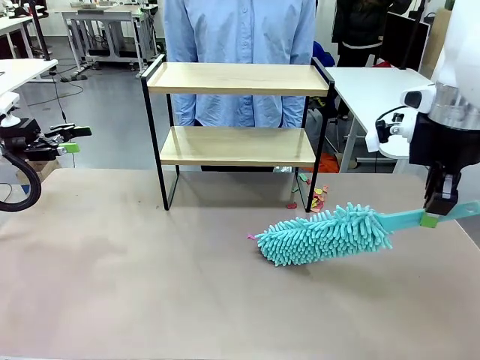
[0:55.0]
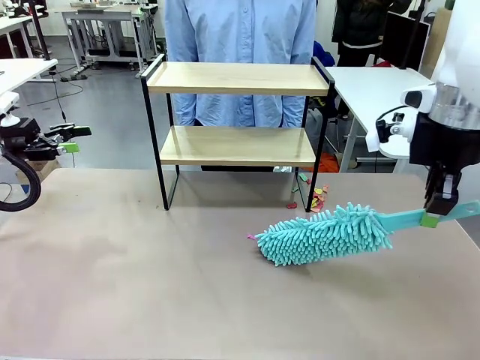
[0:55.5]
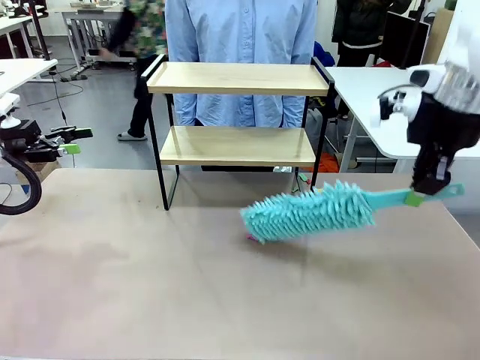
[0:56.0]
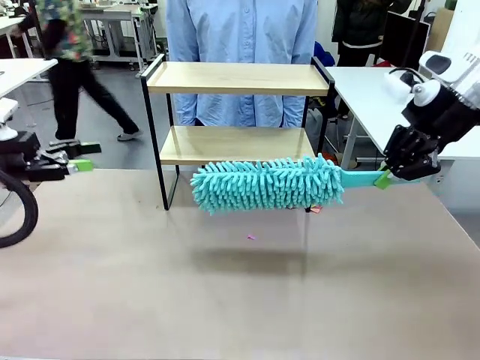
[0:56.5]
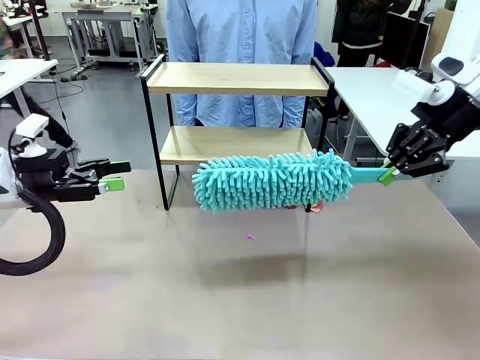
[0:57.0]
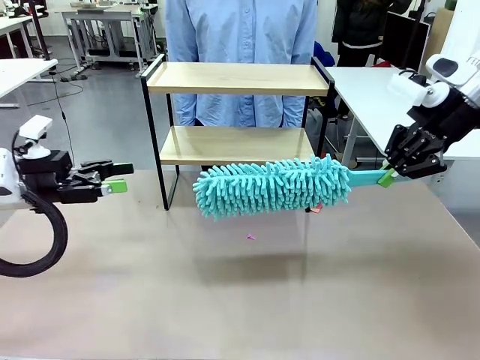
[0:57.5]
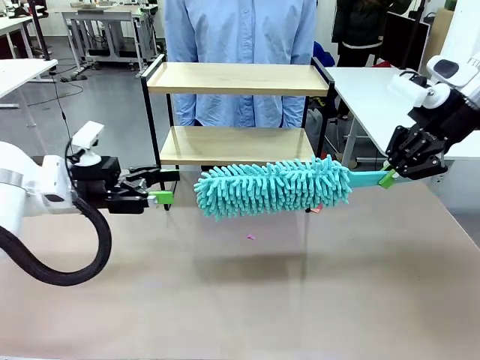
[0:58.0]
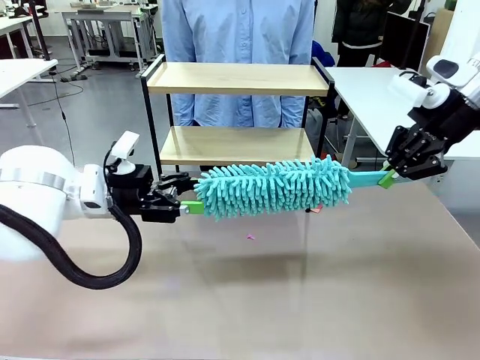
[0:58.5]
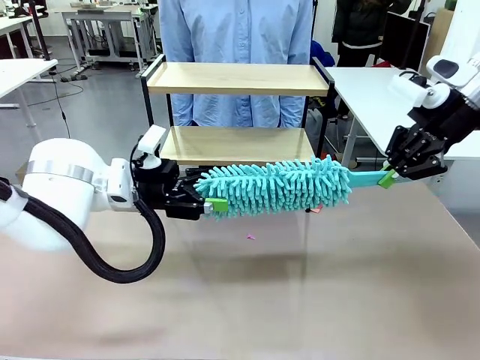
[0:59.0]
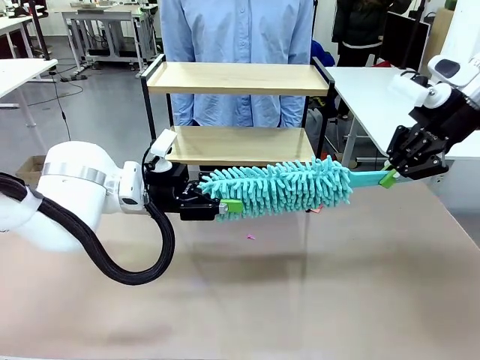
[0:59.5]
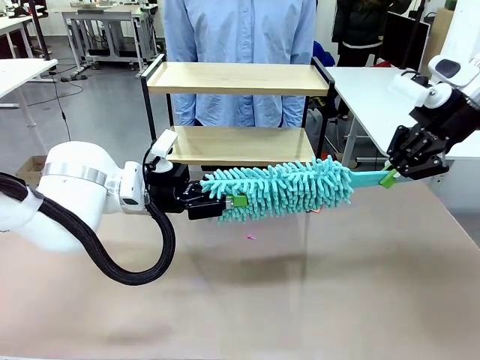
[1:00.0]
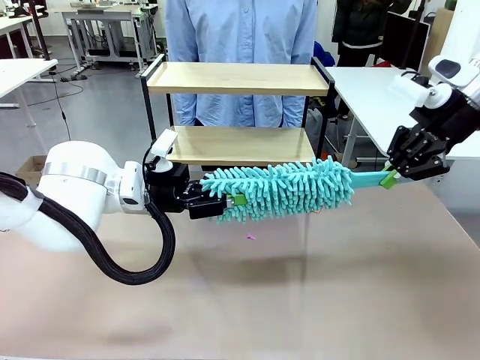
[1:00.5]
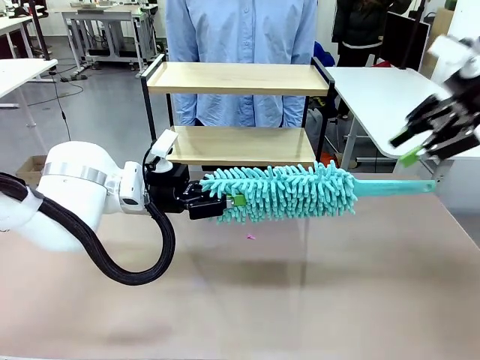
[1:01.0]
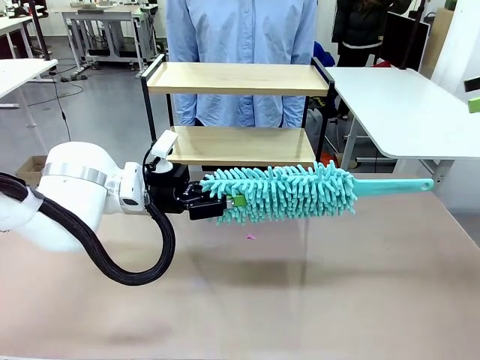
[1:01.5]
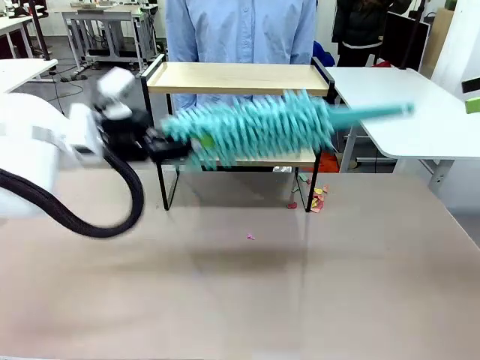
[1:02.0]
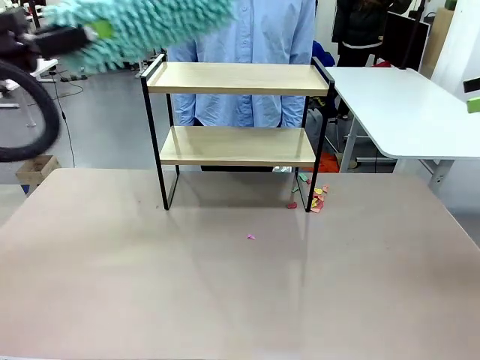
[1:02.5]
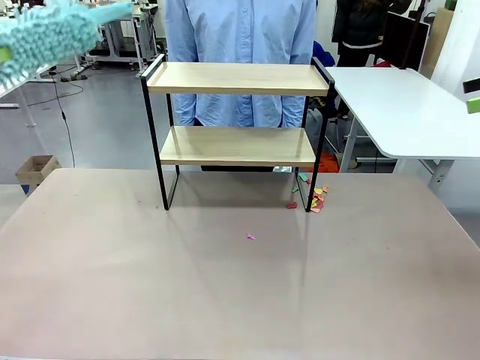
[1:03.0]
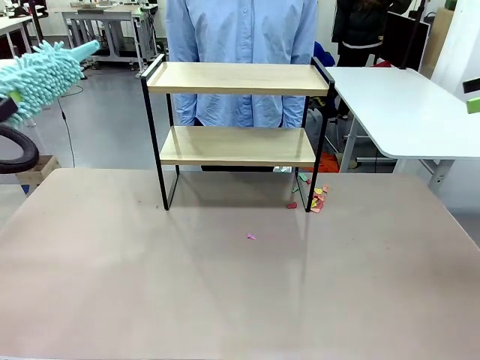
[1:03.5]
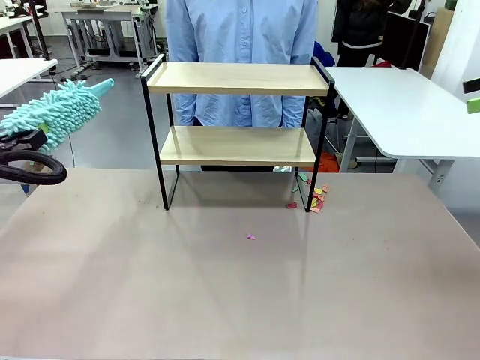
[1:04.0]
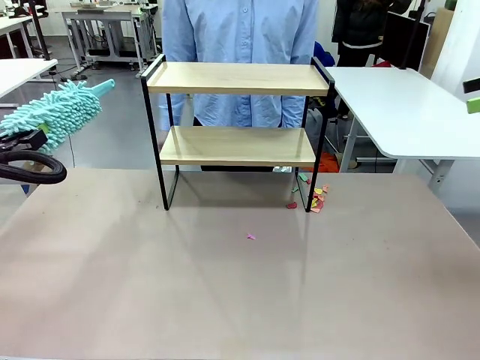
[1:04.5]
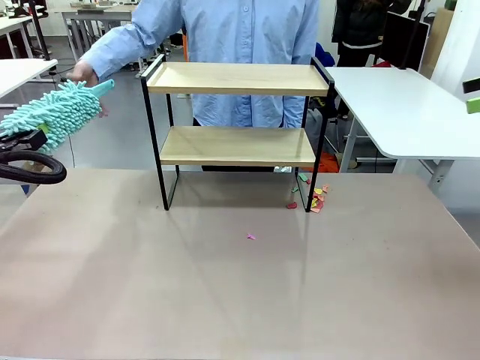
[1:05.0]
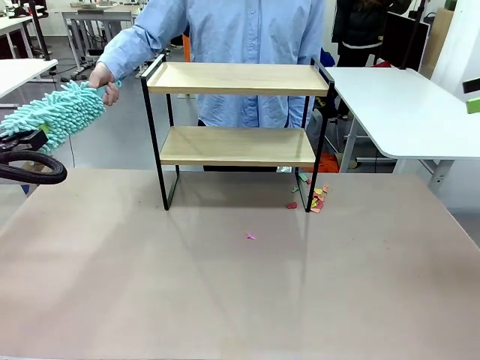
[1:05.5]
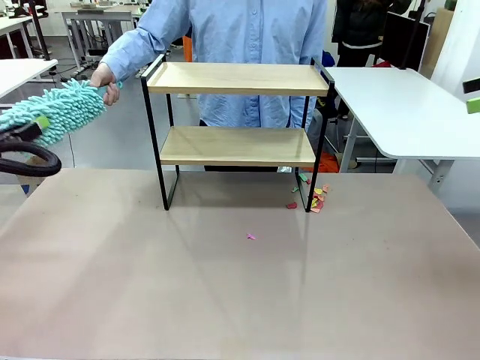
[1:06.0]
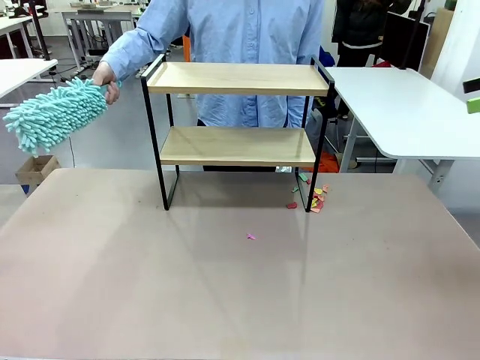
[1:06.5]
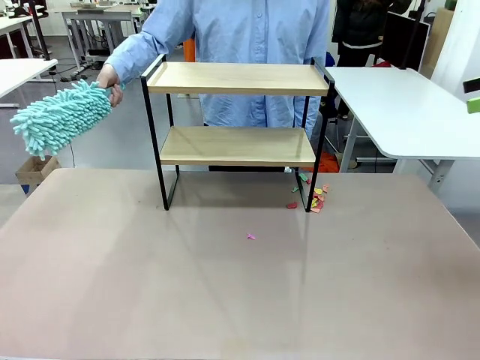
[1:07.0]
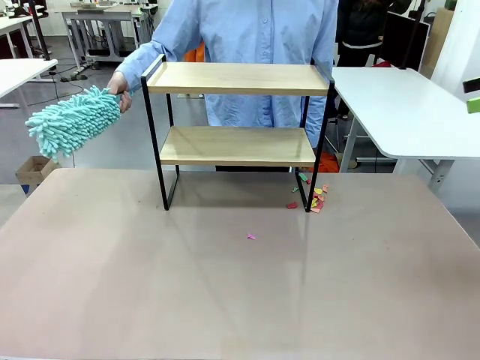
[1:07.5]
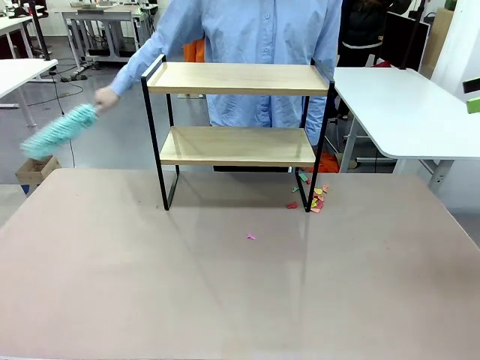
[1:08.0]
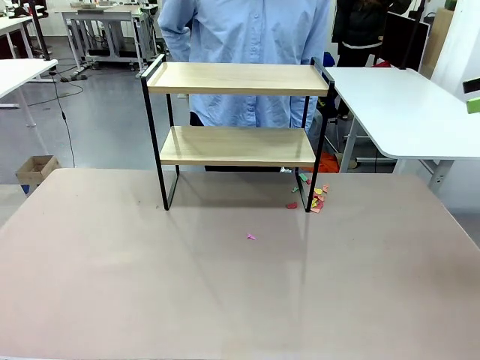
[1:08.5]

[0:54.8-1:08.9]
Task: Clean the shelf.
Robot: Hand the Duster back to the human.
Person: Receive the Duster from the robot.

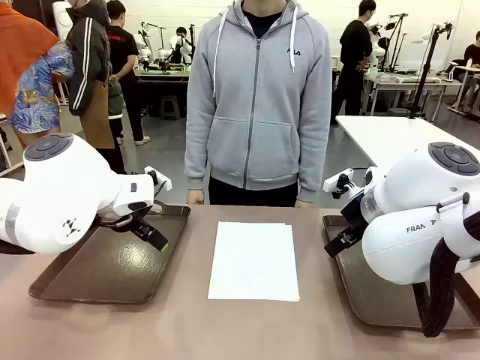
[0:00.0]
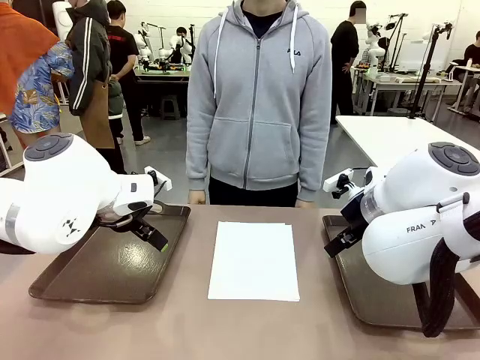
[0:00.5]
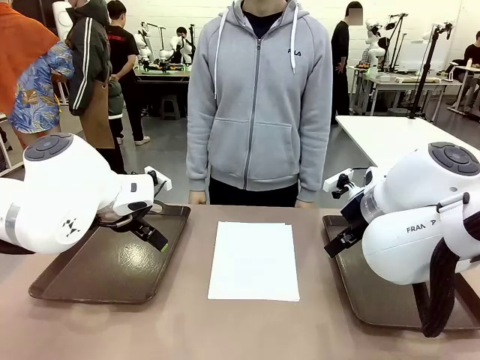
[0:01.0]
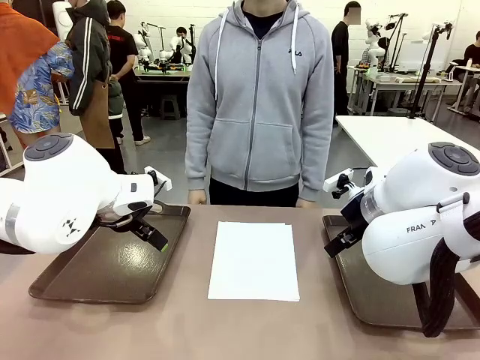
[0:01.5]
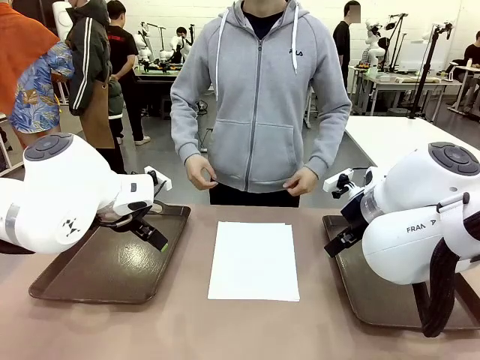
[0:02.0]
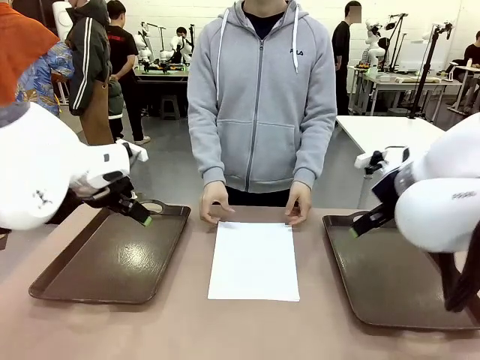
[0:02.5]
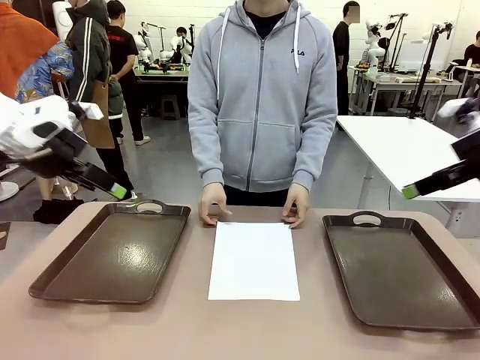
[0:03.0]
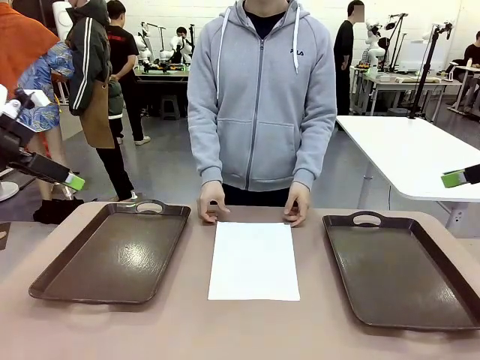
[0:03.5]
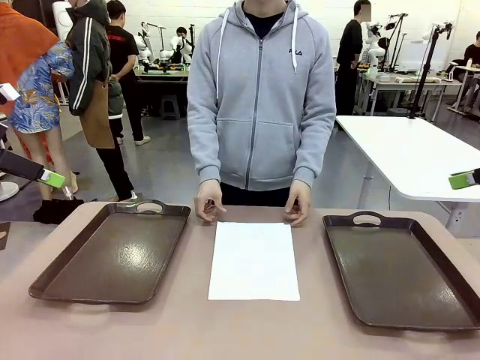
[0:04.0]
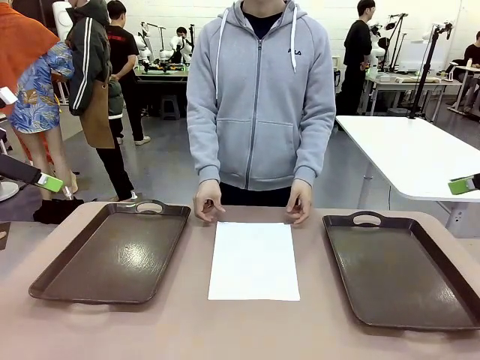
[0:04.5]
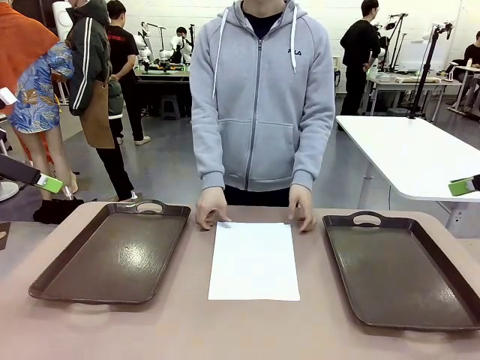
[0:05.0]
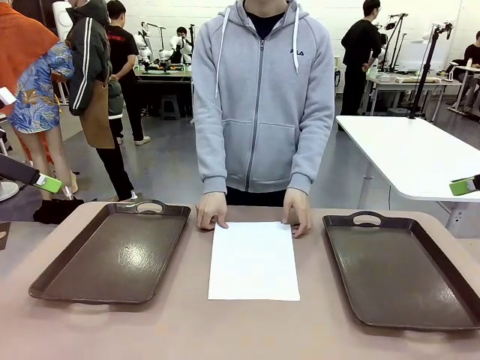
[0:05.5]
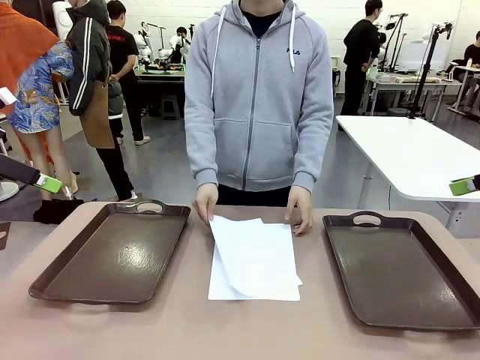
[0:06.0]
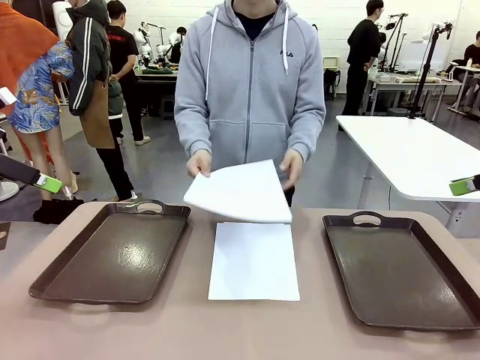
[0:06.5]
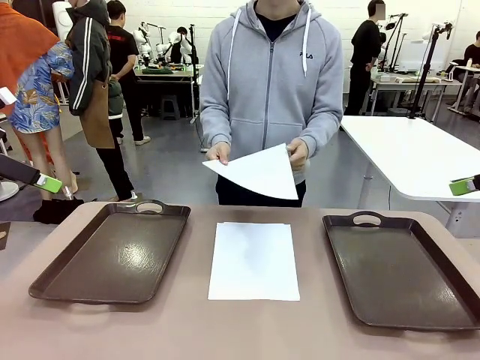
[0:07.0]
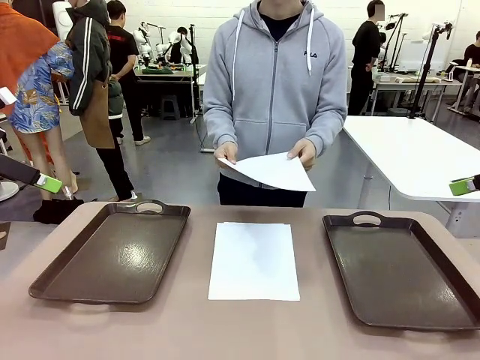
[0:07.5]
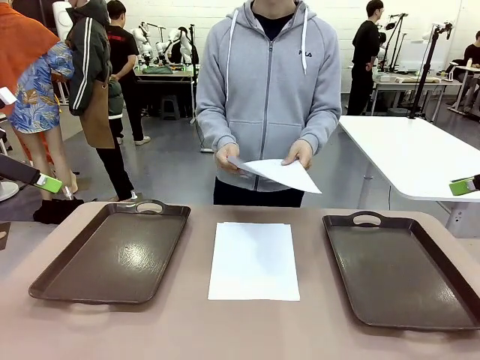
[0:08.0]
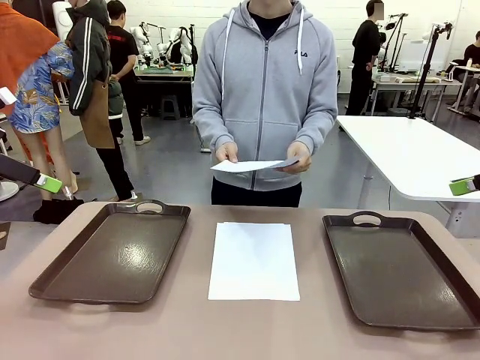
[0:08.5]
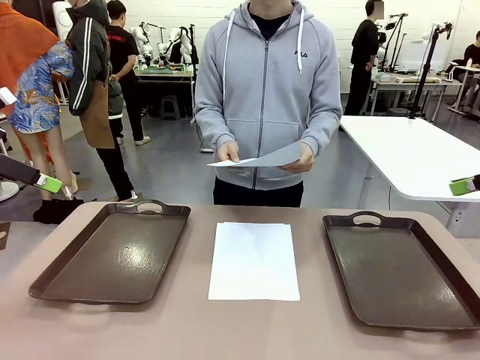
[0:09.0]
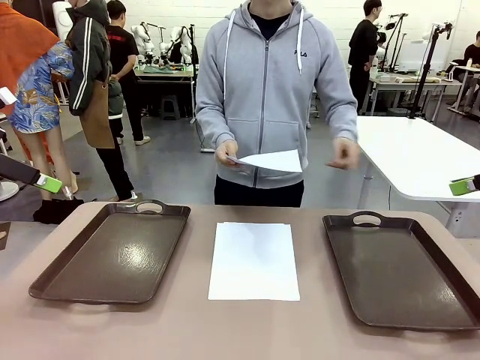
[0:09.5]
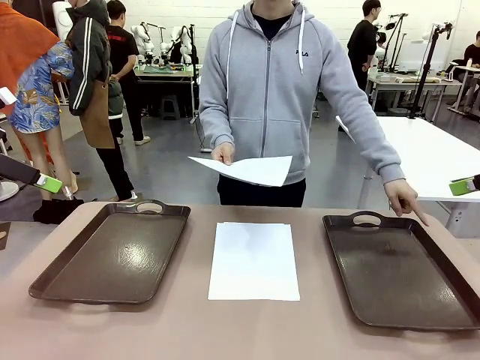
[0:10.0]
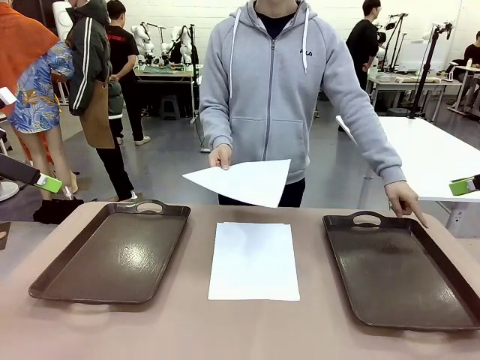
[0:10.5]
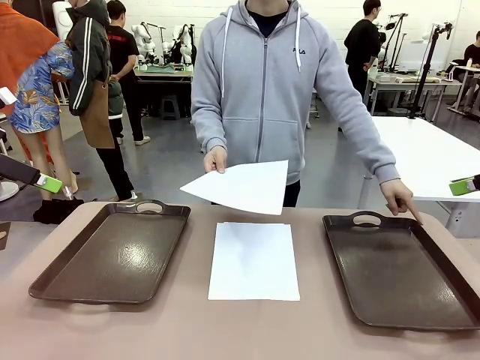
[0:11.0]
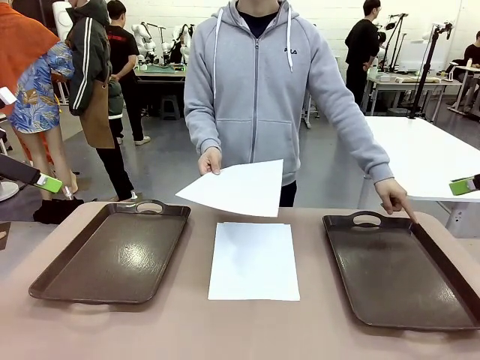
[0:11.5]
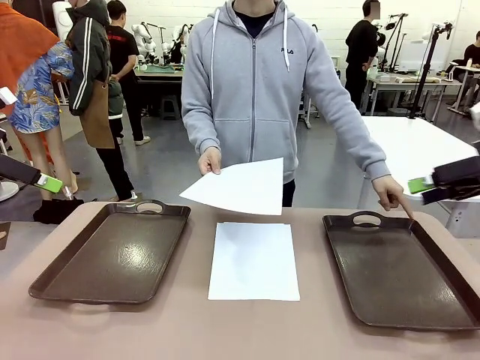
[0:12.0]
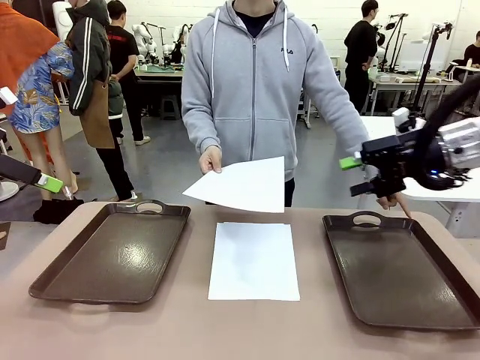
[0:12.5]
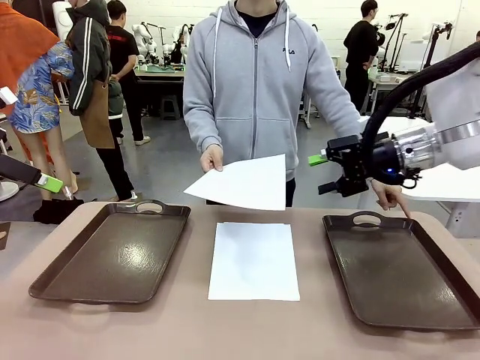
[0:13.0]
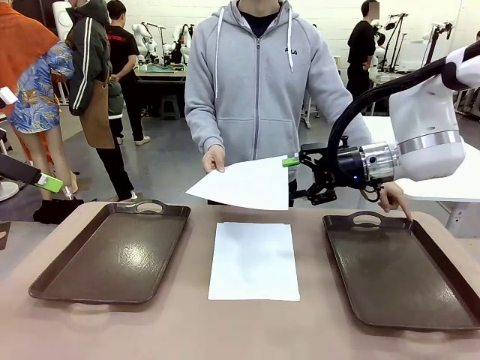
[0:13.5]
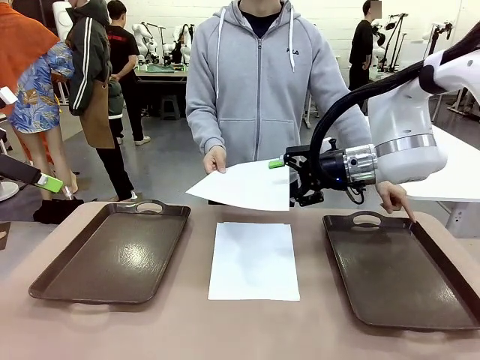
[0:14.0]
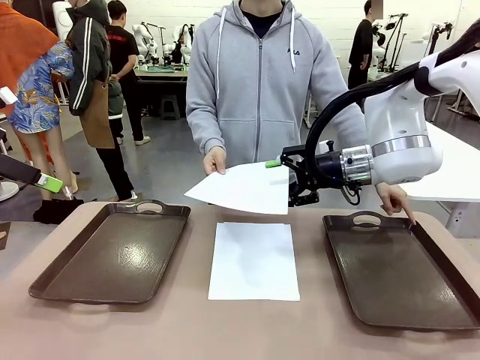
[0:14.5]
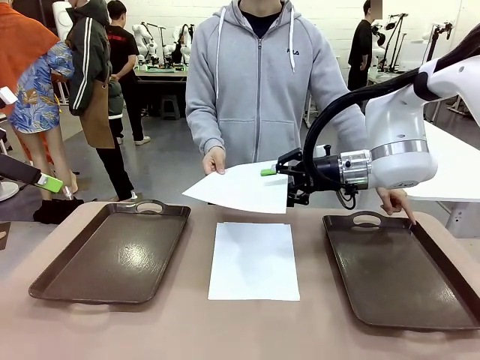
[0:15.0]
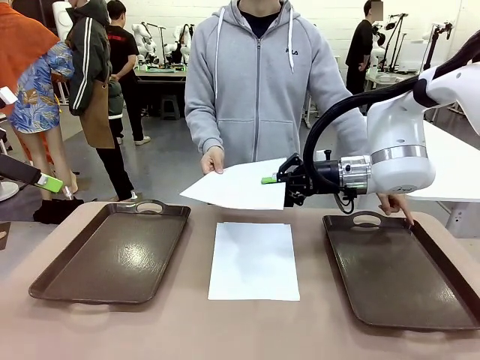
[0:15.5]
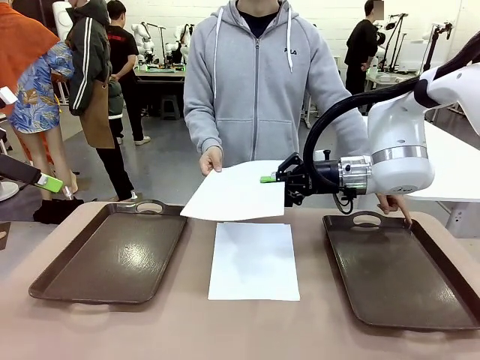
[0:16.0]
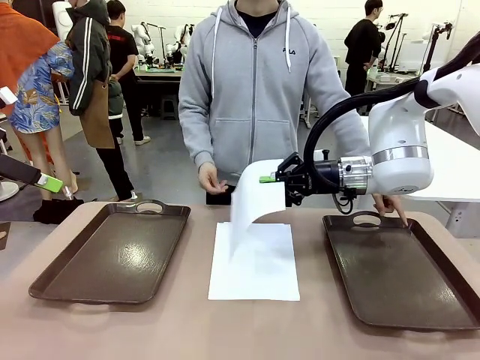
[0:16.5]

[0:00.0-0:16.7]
Task: Sort the A4 documents.
Robot: Receive the A4 Paper.
Person: Pick up a sheet of paper from the center of the table and hand it to the robot. Point the randomly selected tray with the other hand.
